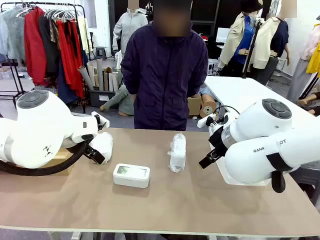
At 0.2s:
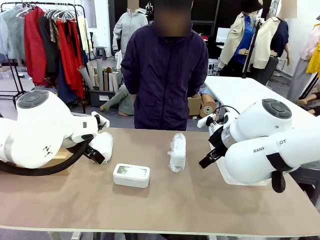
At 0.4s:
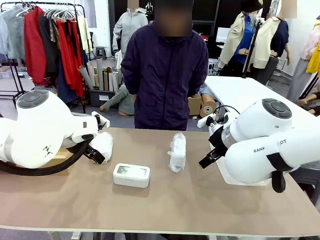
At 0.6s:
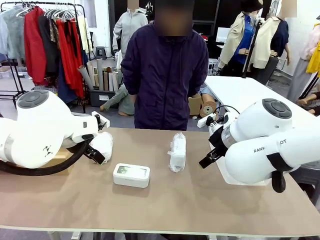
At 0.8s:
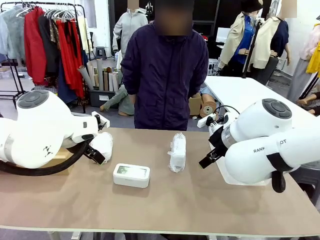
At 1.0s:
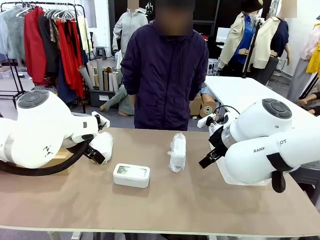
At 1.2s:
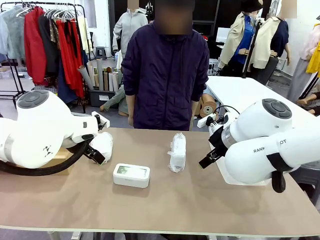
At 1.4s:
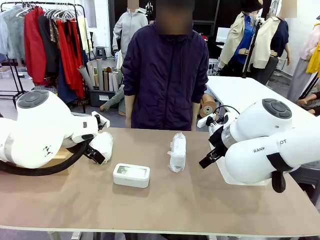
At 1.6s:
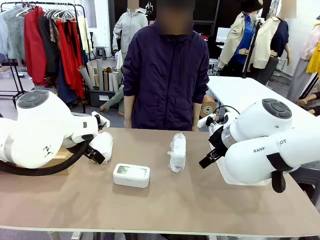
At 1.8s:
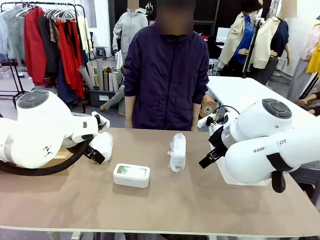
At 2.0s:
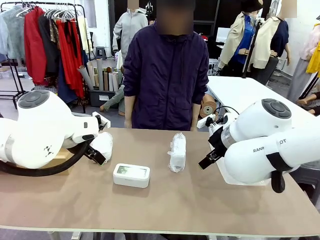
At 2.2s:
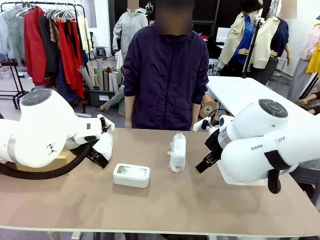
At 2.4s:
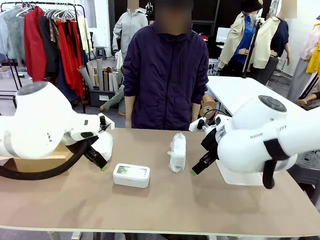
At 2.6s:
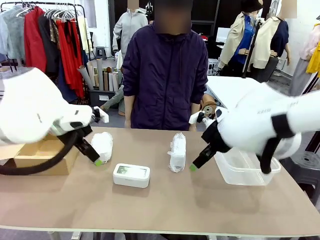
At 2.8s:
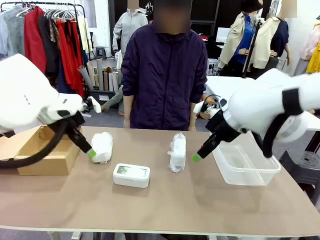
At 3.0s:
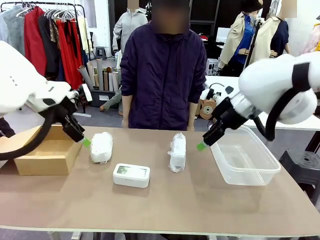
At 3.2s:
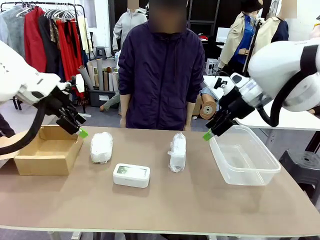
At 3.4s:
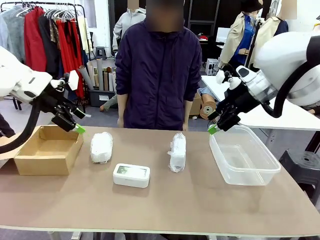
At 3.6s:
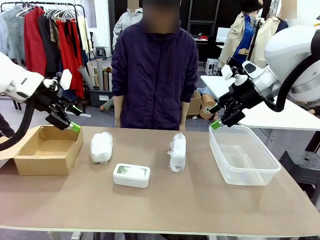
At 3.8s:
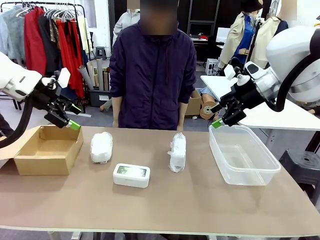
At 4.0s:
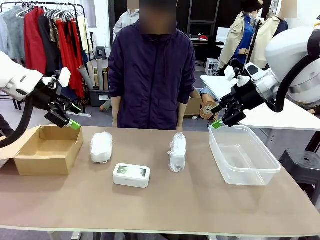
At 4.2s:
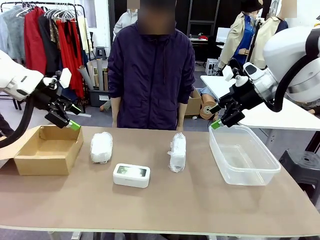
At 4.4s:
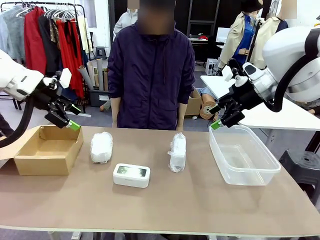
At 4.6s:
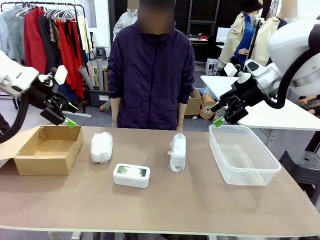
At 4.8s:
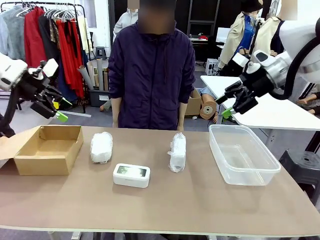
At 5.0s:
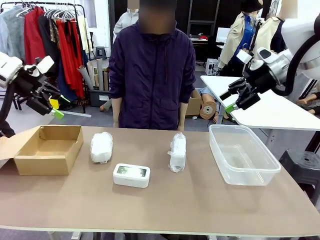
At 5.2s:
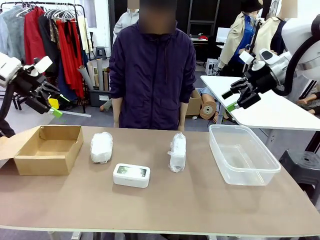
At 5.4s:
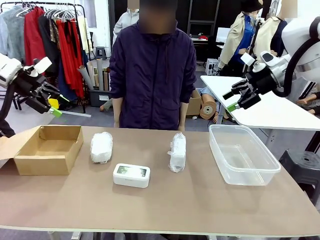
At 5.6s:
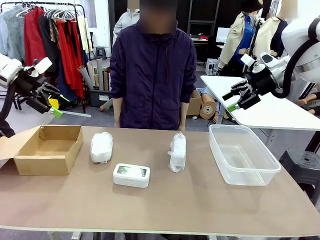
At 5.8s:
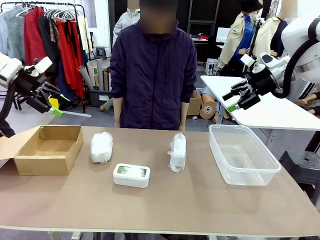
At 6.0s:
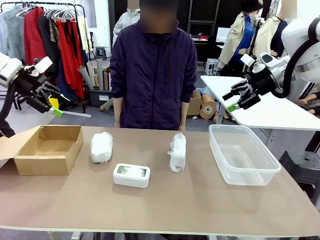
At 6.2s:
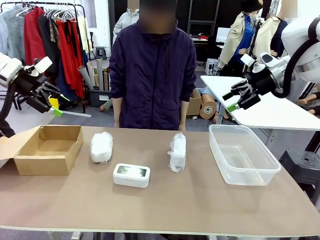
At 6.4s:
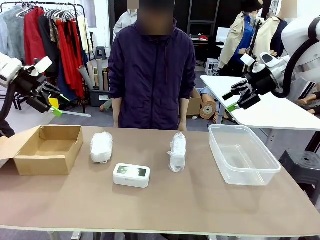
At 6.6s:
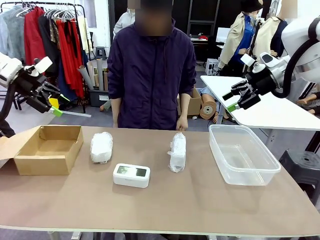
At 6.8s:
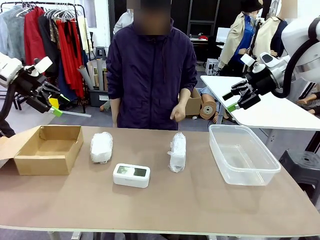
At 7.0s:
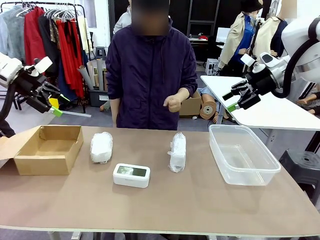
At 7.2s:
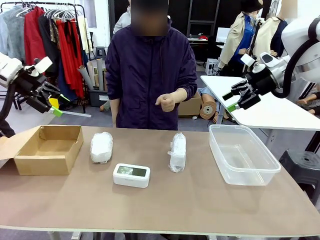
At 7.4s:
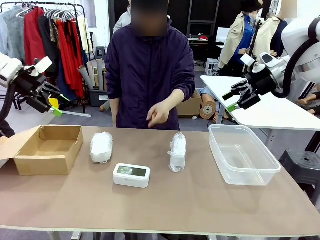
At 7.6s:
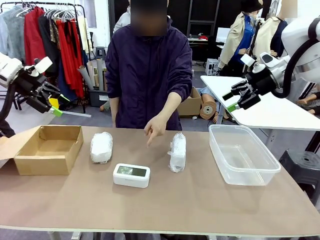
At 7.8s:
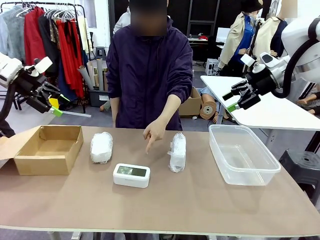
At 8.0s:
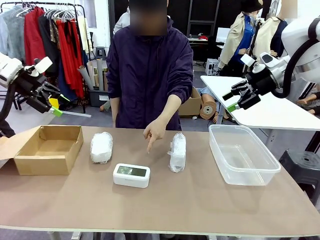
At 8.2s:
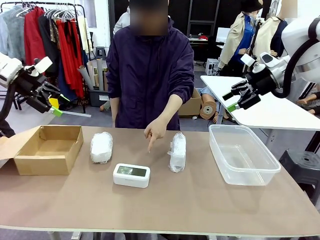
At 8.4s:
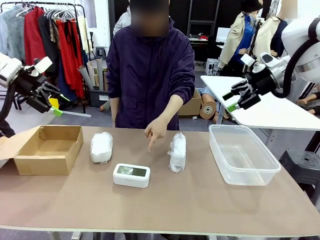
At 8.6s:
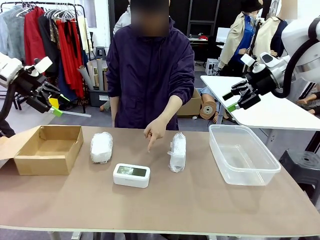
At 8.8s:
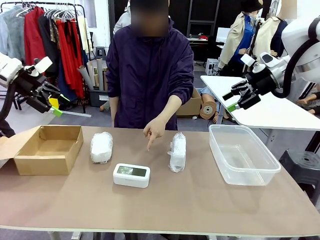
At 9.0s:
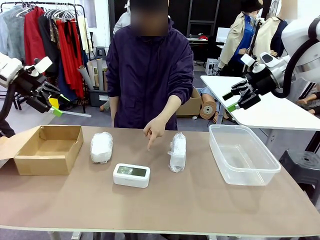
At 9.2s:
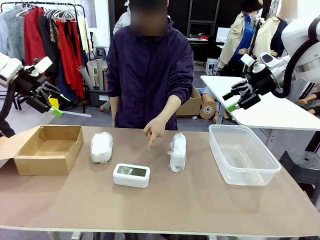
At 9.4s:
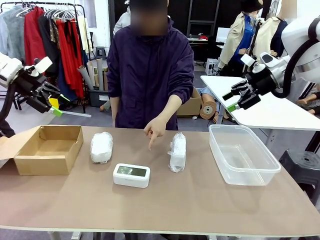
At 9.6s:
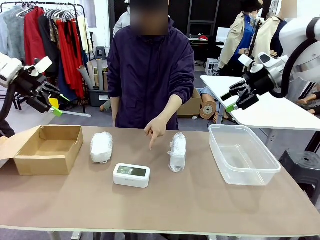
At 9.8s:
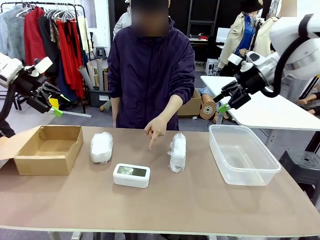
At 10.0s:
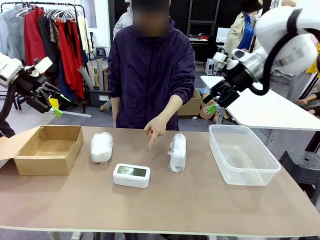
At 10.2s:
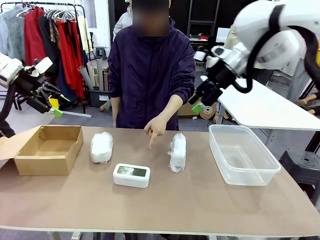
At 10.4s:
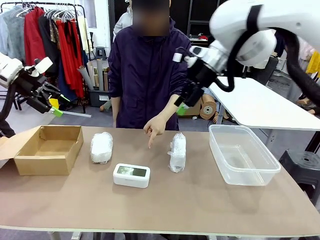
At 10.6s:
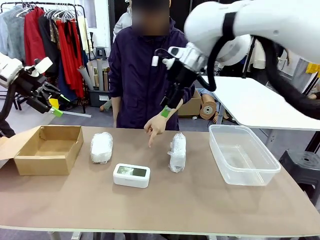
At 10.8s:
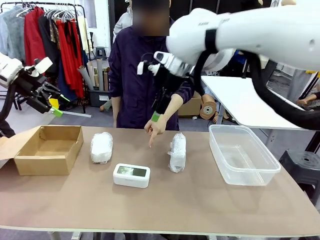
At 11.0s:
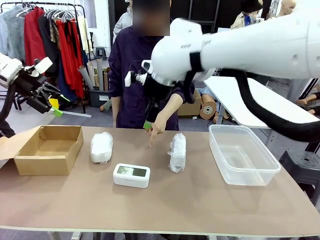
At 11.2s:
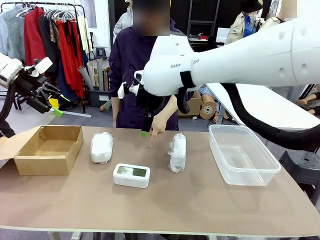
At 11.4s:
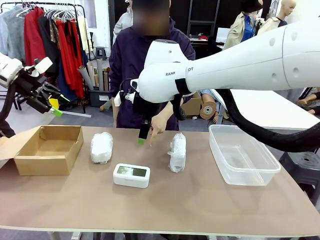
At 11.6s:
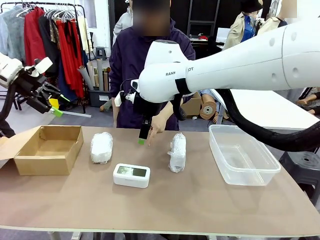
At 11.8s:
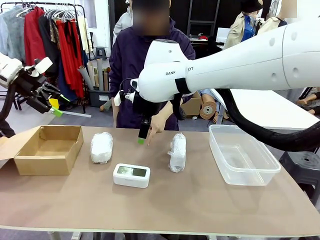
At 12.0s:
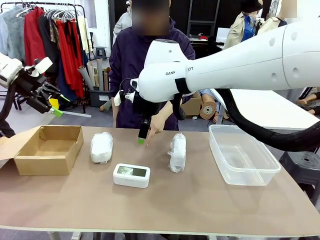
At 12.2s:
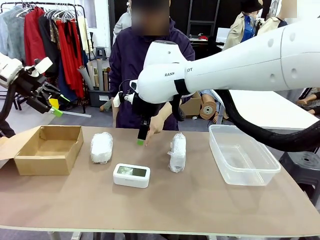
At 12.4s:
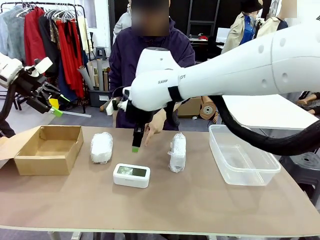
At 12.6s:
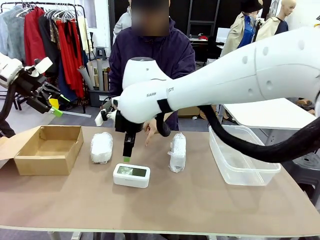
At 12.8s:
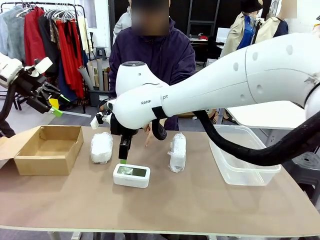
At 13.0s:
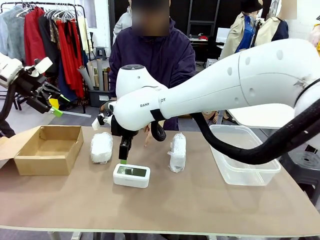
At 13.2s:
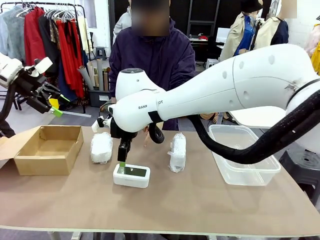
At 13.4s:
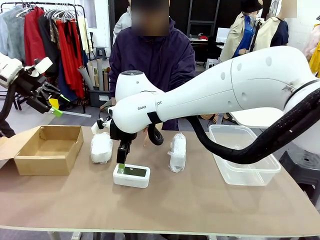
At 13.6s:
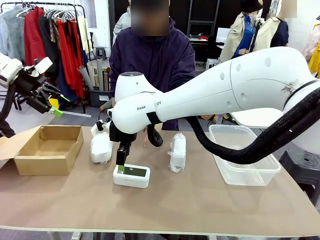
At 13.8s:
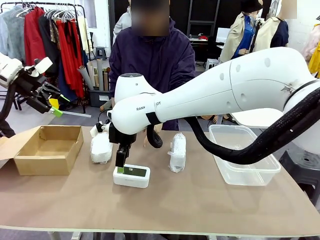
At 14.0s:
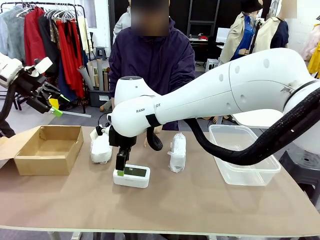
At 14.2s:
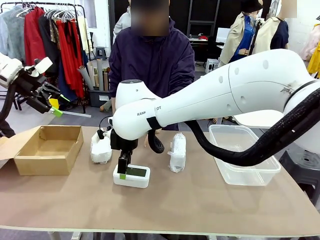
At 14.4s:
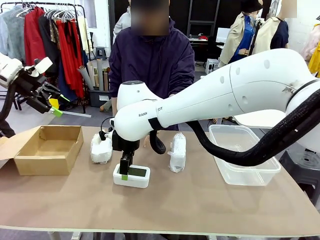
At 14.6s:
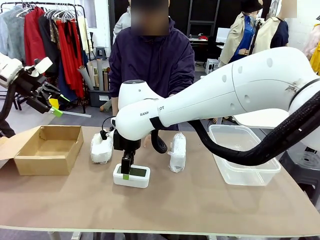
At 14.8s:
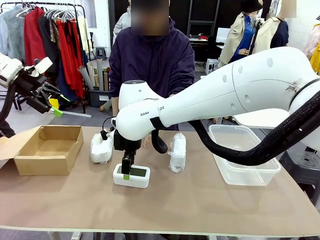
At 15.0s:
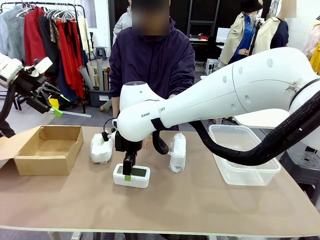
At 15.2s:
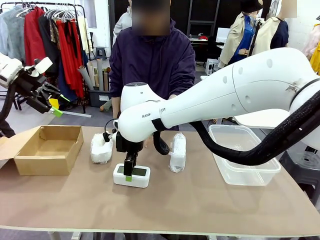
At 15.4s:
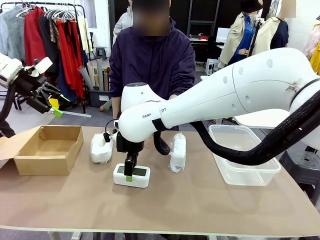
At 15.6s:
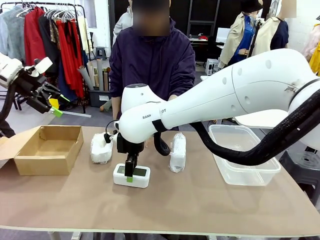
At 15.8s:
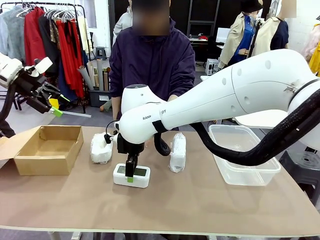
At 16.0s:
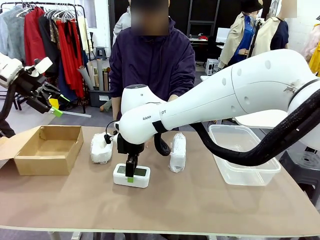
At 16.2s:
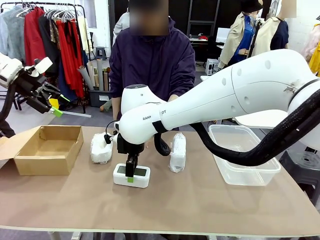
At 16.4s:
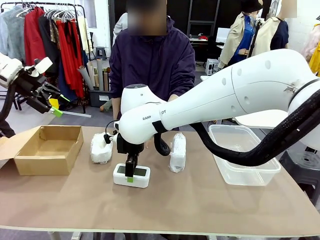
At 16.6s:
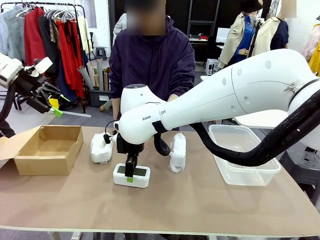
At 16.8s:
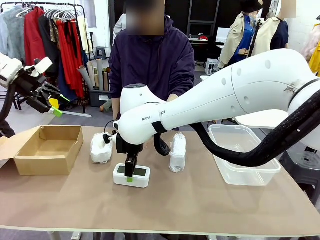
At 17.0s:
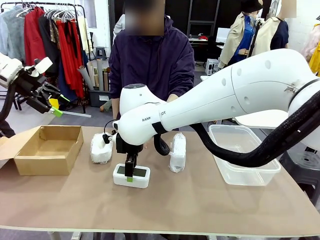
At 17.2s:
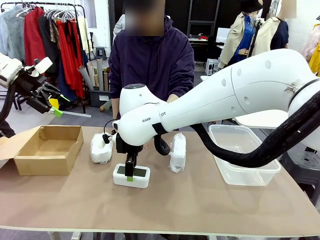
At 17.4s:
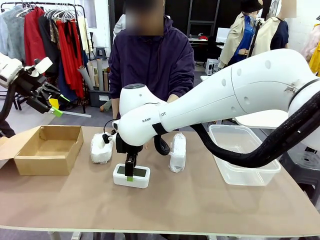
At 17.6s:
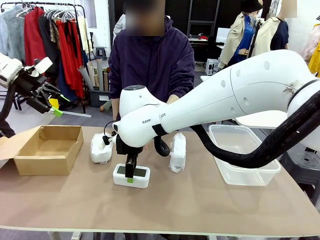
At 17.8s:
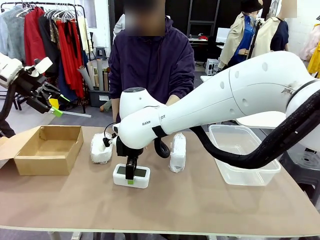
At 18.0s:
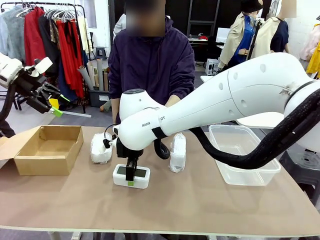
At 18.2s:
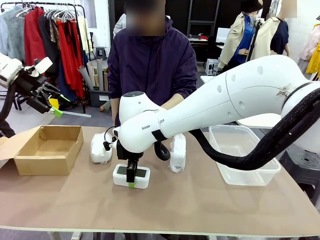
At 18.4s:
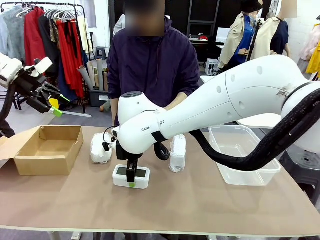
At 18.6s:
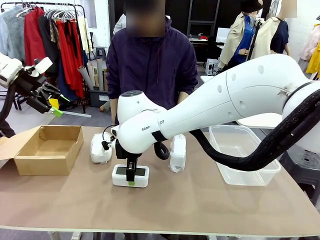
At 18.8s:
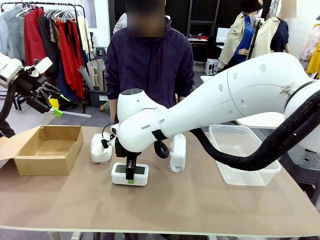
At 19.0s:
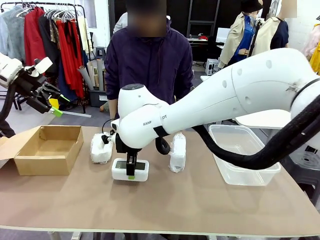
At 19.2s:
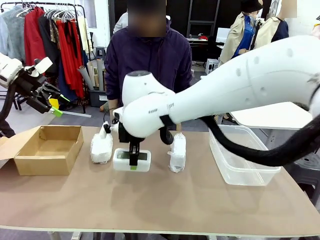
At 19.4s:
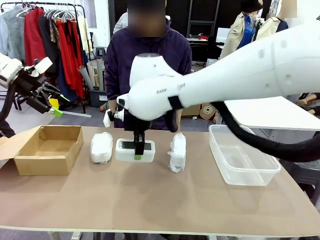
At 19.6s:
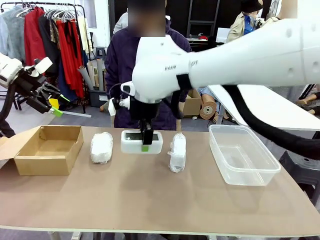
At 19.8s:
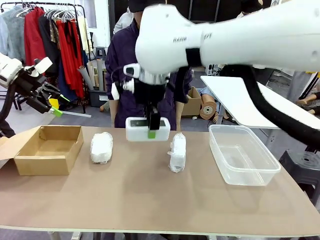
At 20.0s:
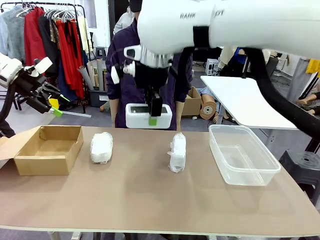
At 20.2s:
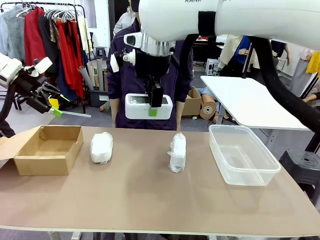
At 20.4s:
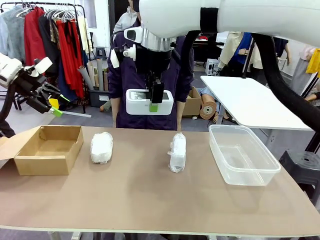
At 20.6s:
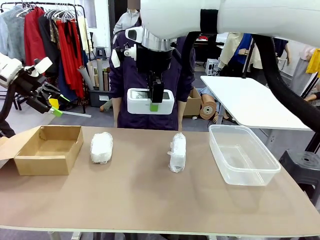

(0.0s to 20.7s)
Task: Separate and place wrapped and unwrapped clocks.
Robot: Pick up the Digital clock indicated by the person.
